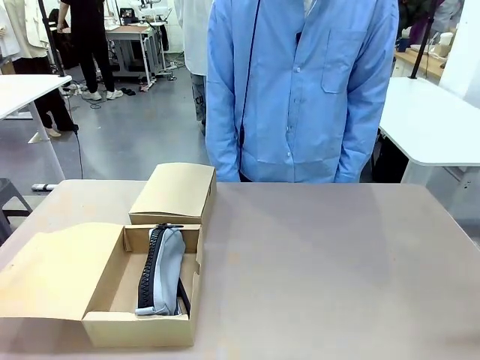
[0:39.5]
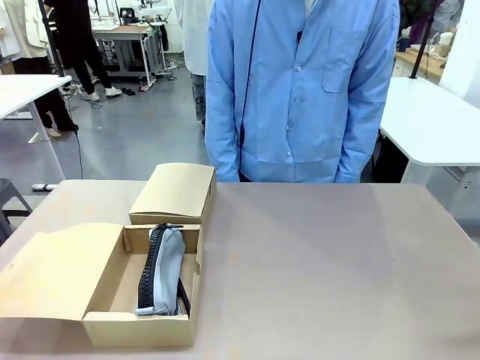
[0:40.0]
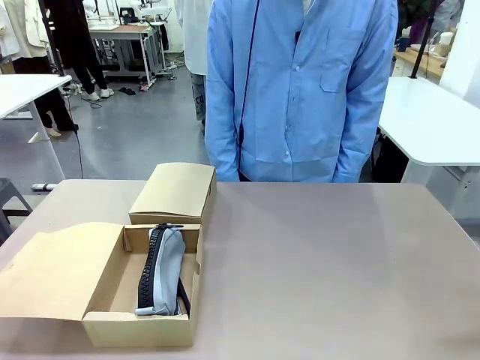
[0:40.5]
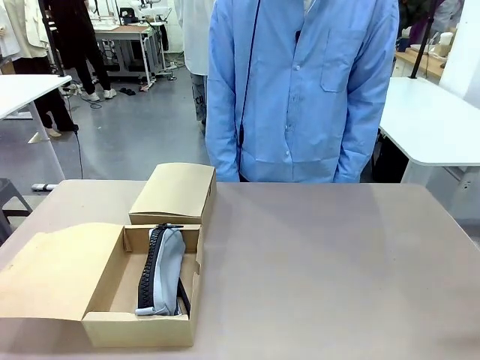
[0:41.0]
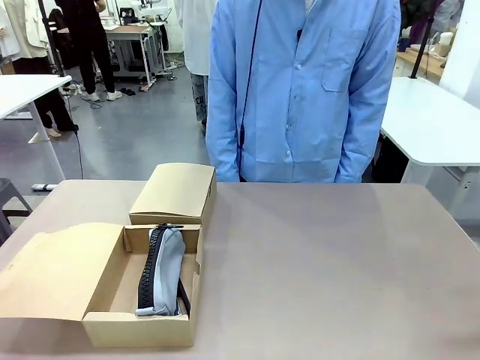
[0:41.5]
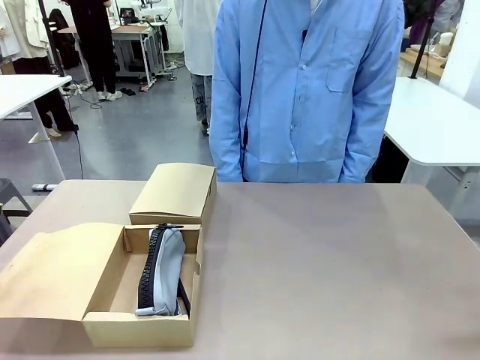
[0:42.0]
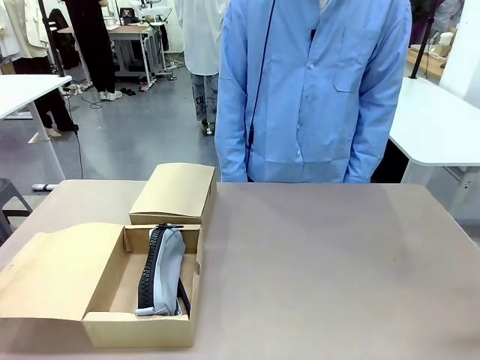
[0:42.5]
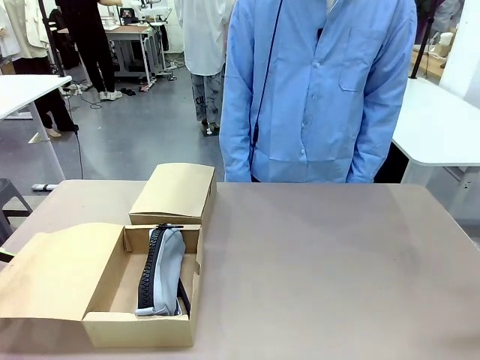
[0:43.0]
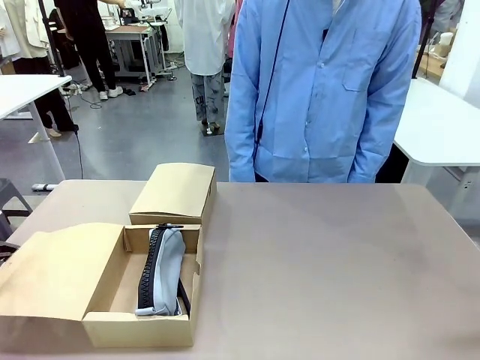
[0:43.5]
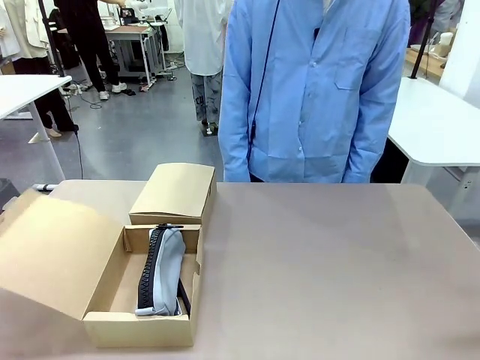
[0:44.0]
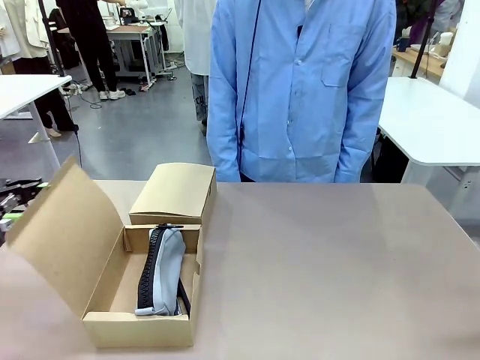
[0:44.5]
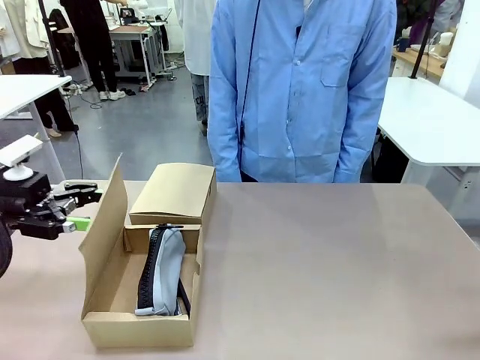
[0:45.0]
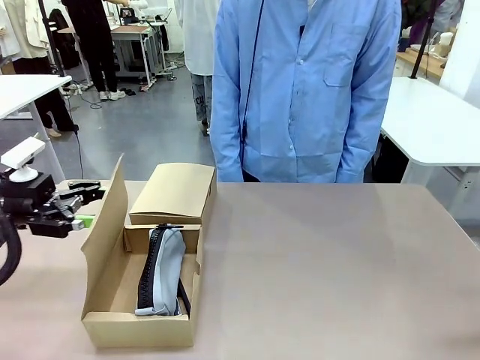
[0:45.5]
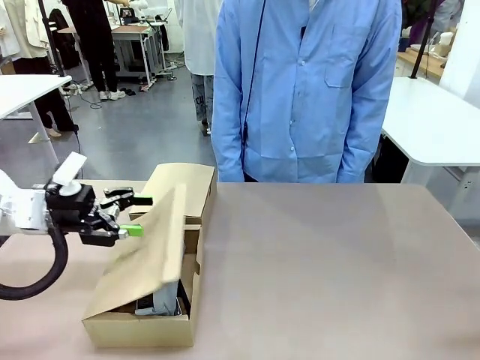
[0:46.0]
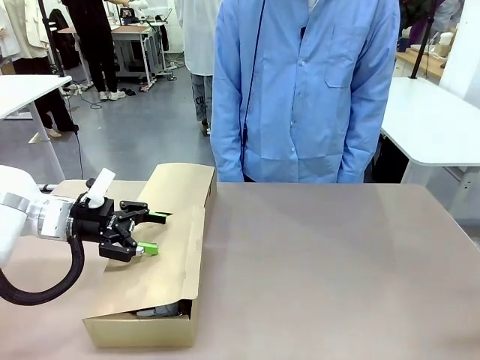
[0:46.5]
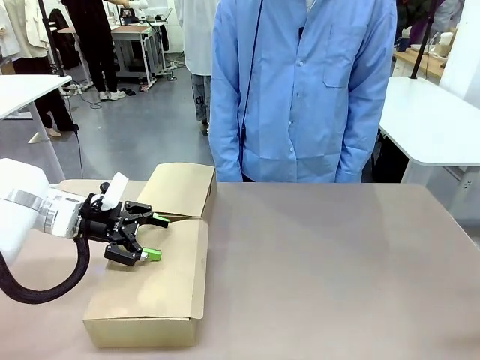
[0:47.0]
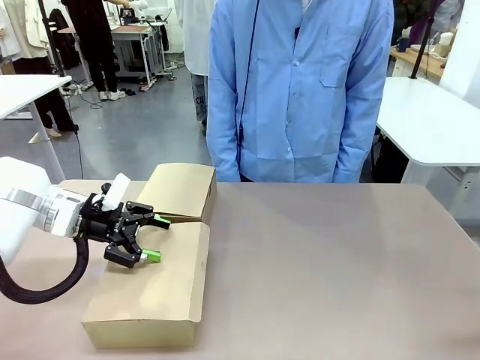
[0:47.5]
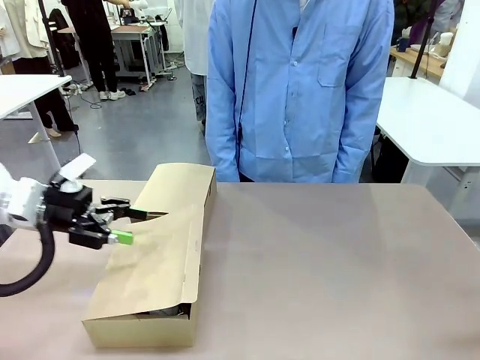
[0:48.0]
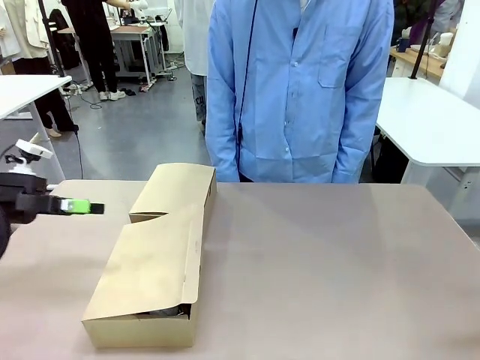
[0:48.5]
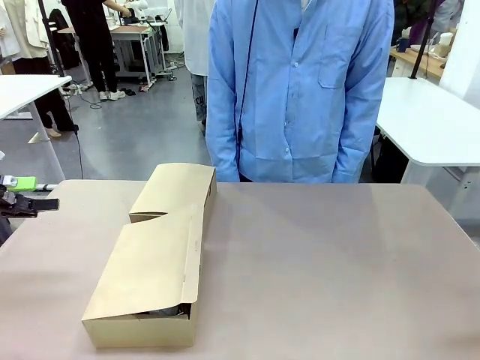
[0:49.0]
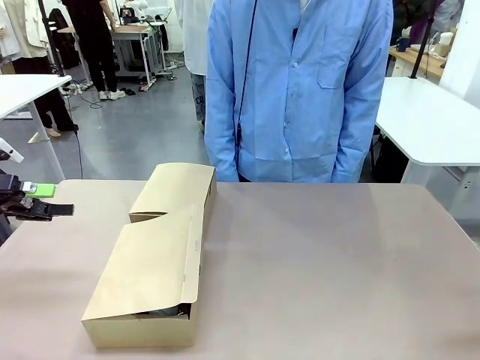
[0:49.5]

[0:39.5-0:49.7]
Task: Place items inside the box.
Robot: Close the lid of the Mailer Box closest to the robot.

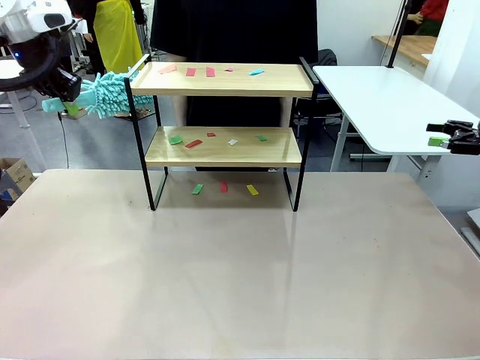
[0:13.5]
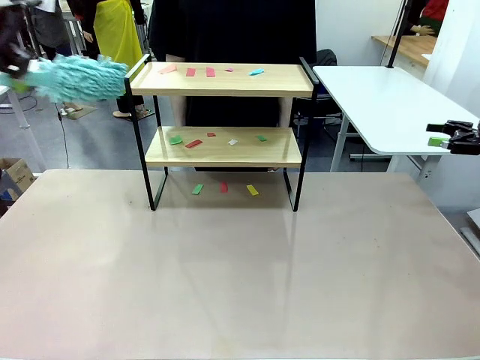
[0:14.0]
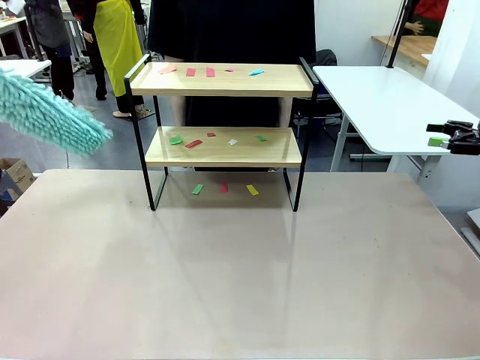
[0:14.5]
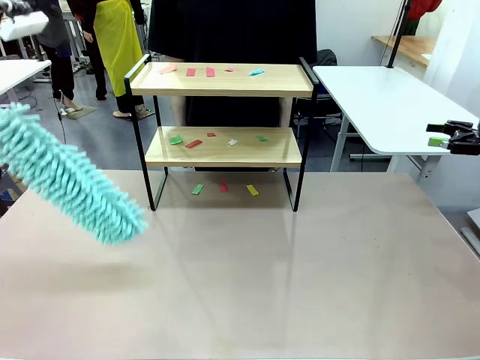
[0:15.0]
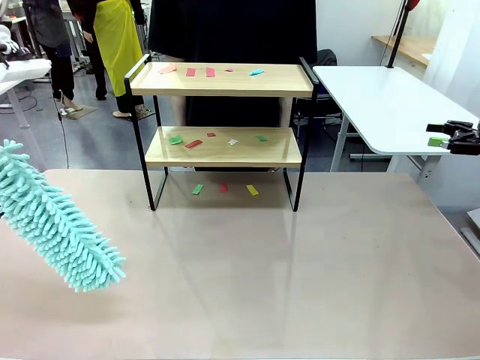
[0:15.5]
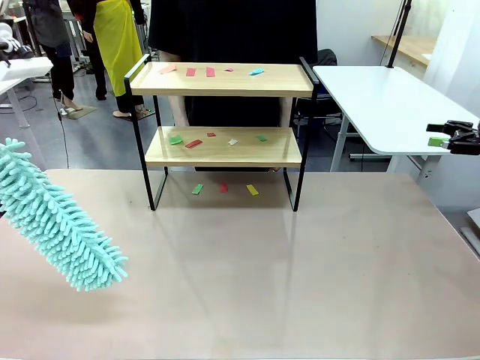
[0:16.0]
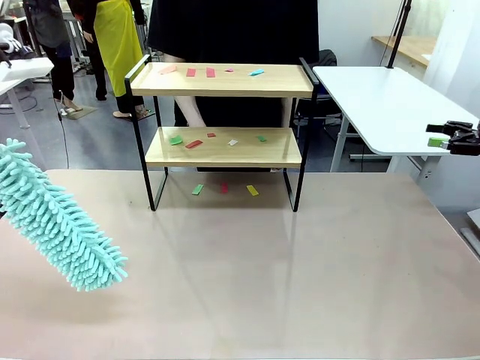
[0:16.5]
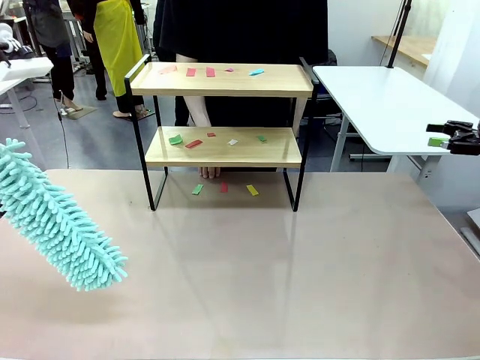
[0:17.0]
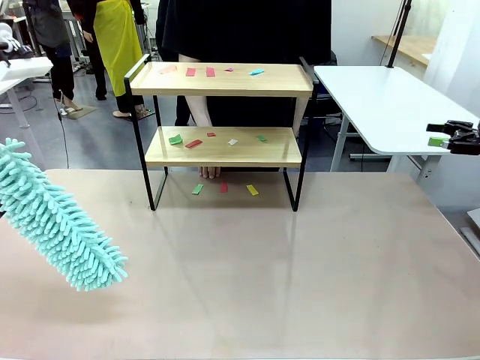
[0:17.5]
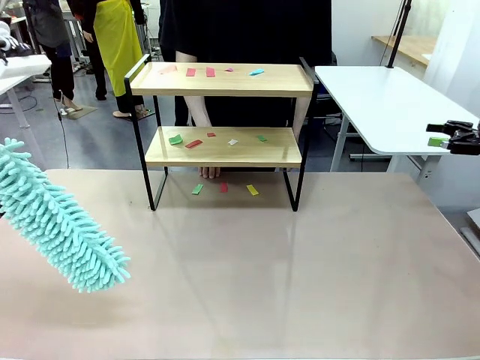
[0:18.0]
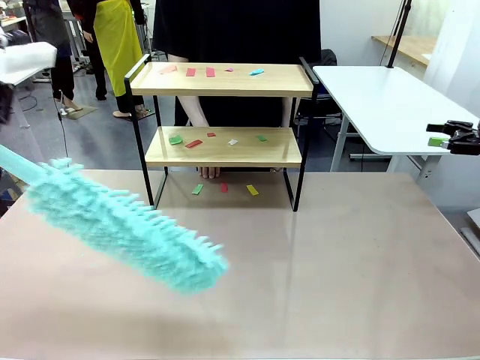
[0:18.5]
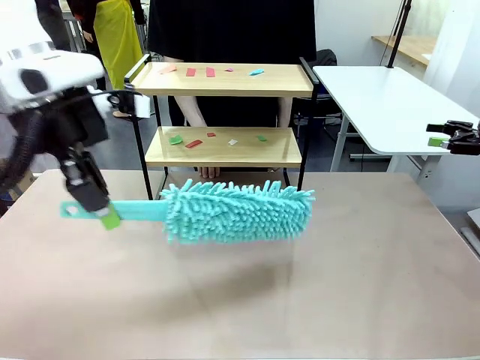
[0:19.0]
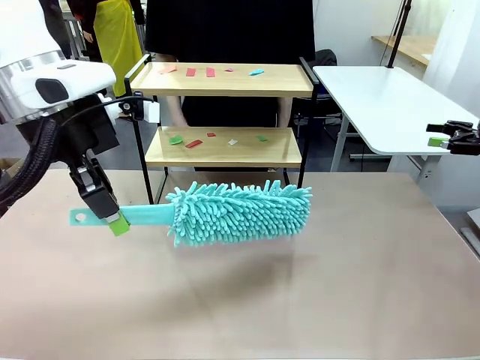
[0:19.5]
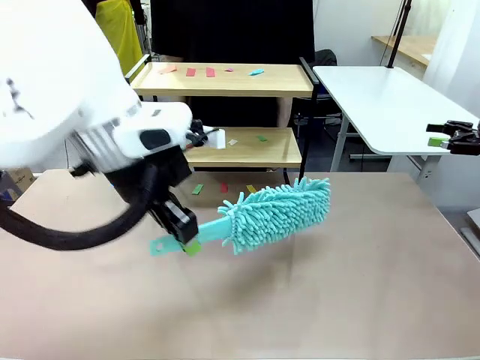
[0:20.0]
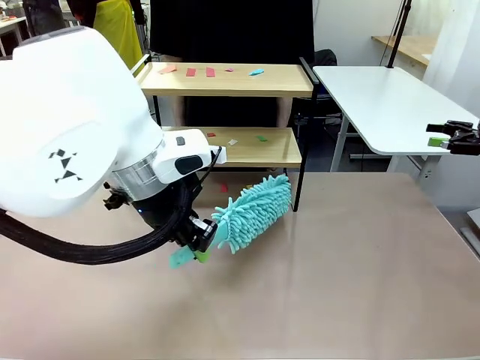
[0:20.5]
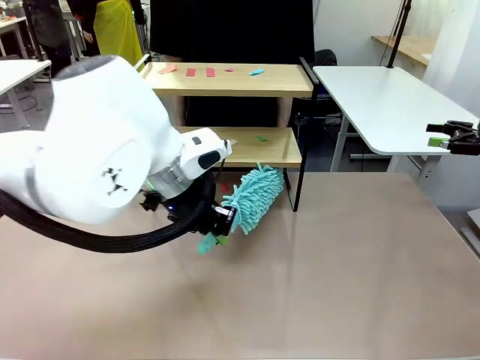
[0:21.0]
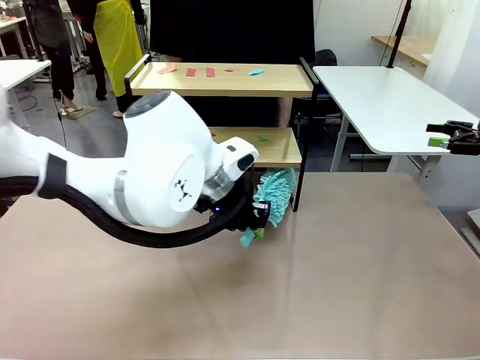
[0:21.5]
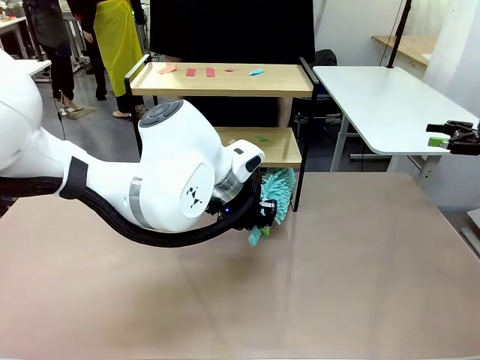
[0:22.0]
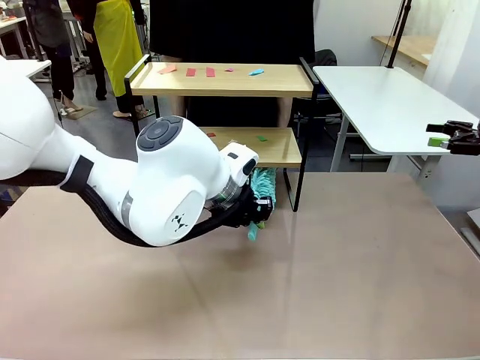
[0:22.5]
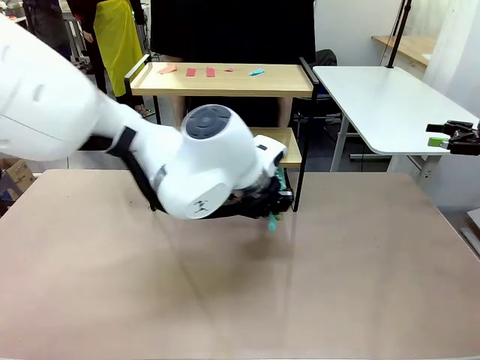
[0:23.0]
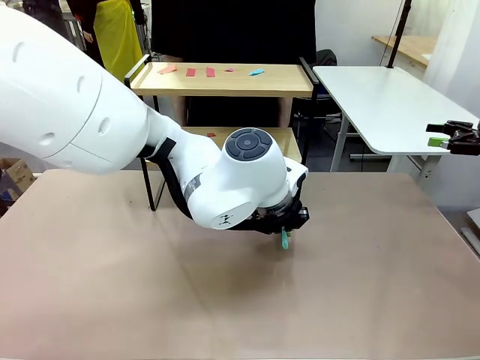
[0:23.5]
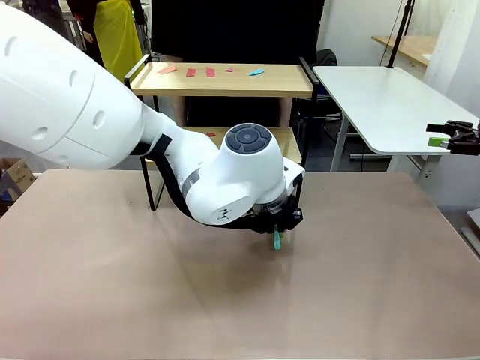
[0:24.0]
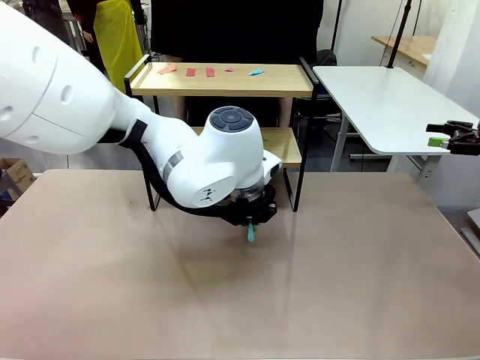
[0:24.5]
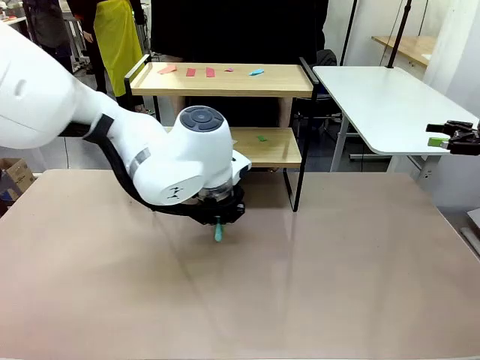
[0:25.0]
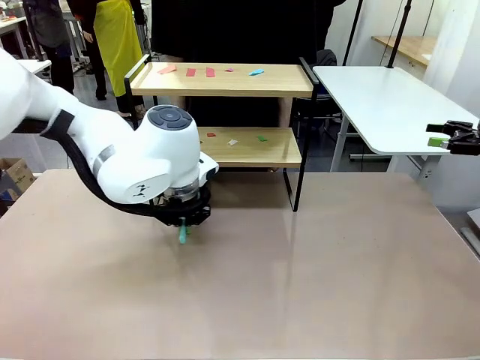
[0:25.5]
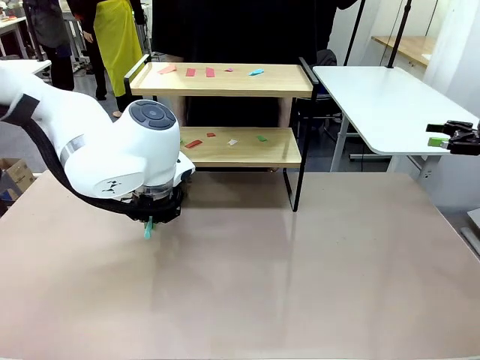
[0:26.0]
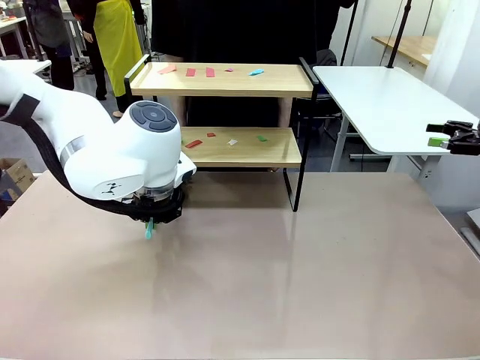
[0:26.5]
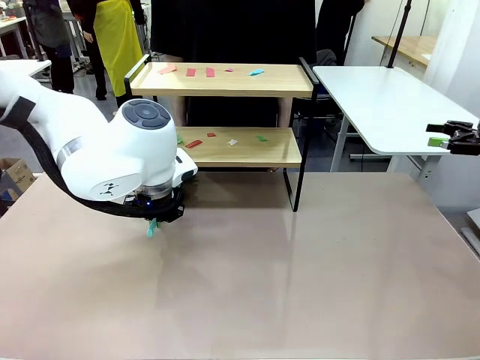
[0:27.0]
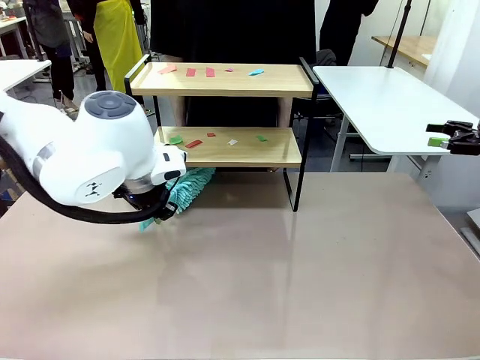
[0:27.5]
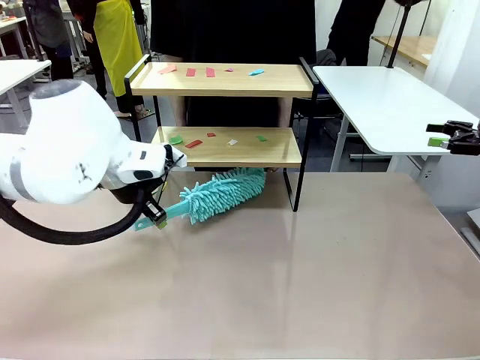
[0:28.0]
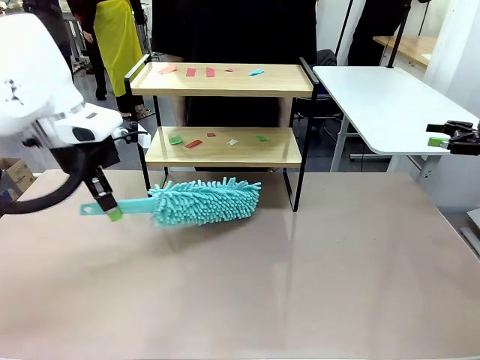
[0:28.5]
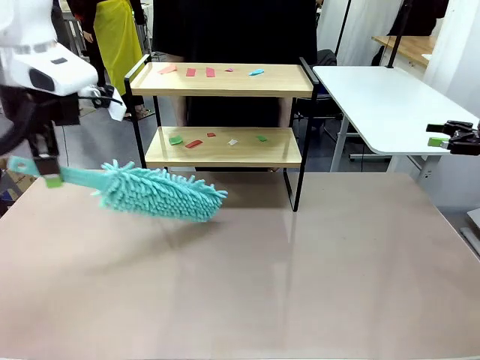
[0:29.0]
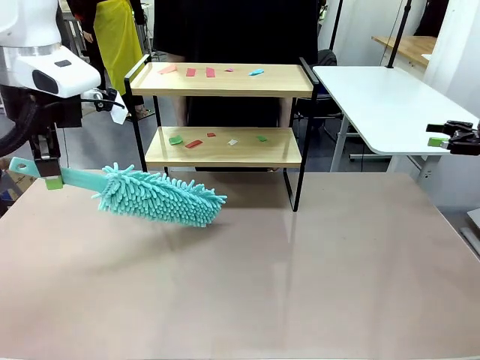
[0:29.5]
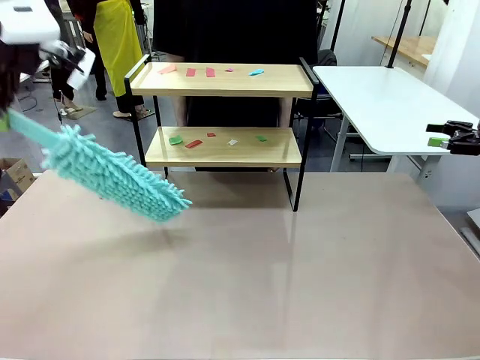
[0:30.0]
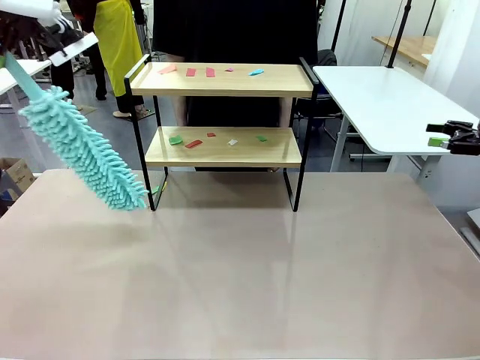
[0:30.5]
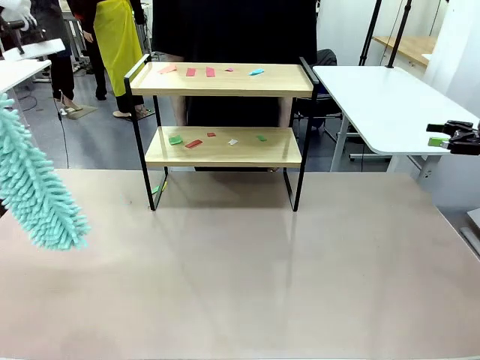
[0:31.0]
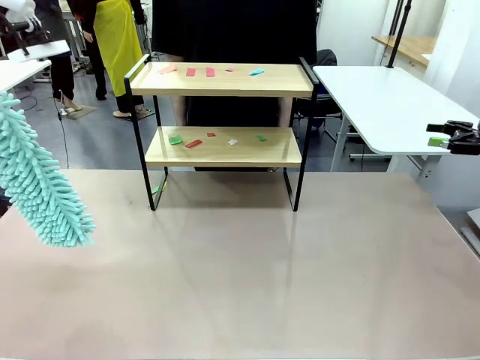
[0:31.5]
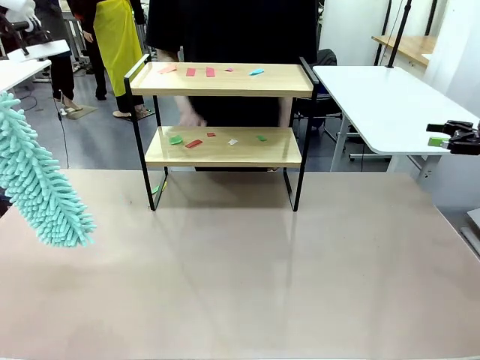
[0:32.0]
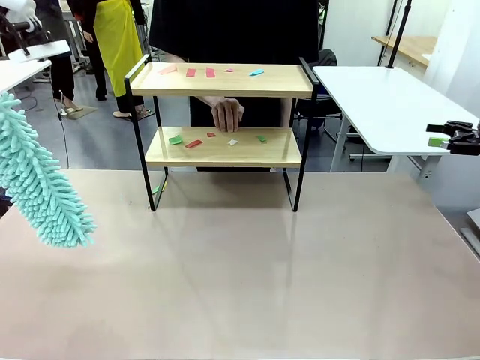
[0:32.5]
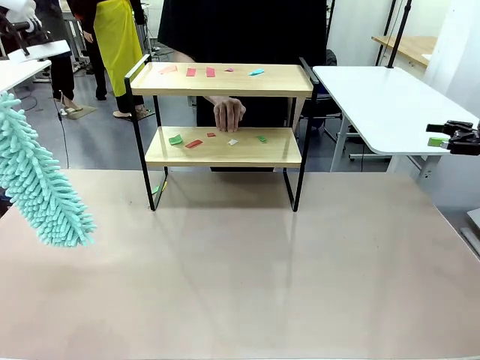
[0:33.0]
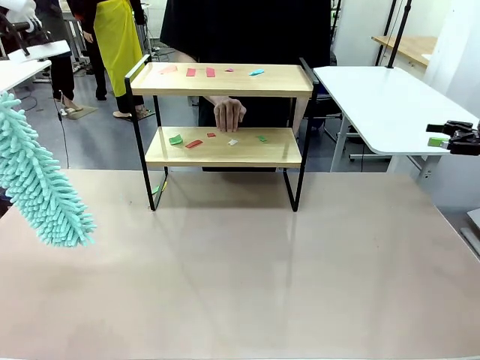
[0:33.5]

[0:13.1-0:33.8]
Task: Clean the shelf.
Robot: Clean the specific section of the Shelf indicated by the human with the Duster.
Person: Point a random section of the Shelf.
